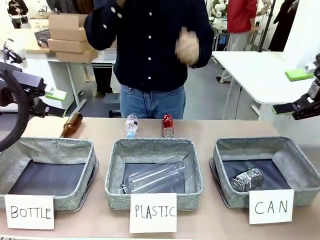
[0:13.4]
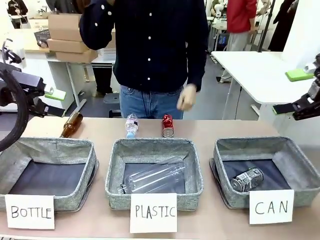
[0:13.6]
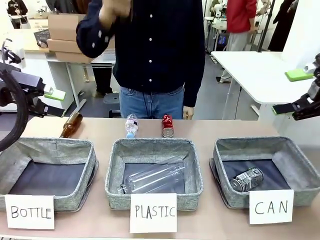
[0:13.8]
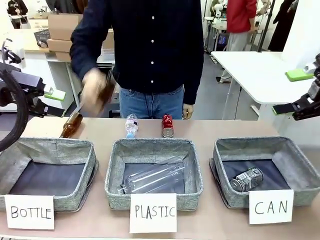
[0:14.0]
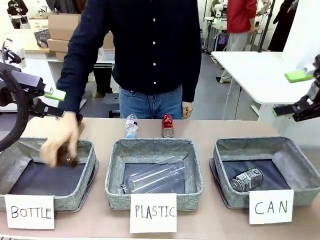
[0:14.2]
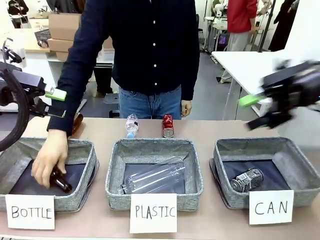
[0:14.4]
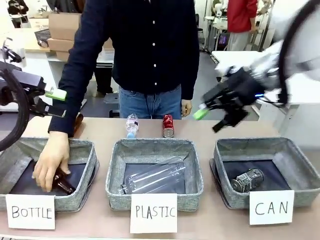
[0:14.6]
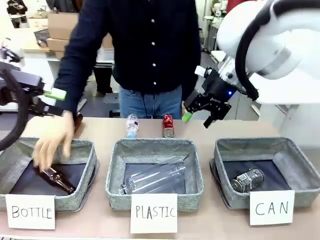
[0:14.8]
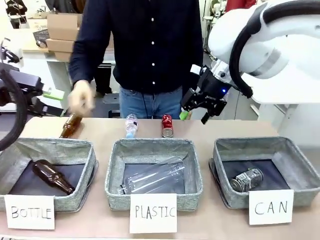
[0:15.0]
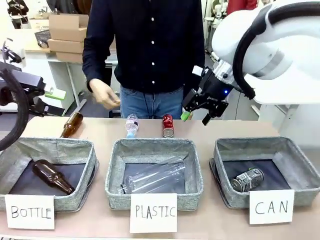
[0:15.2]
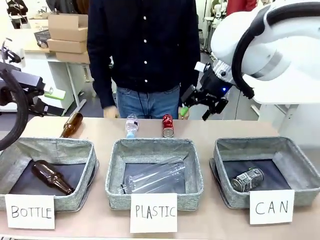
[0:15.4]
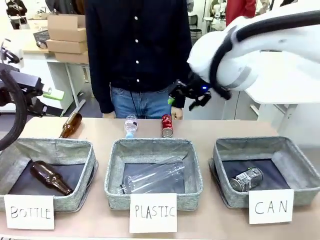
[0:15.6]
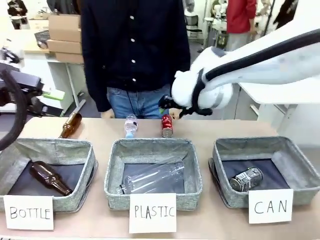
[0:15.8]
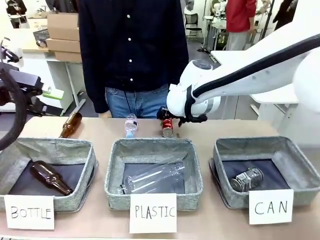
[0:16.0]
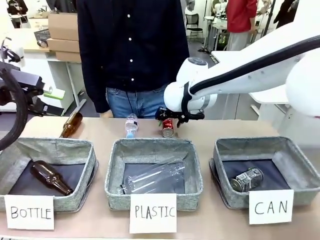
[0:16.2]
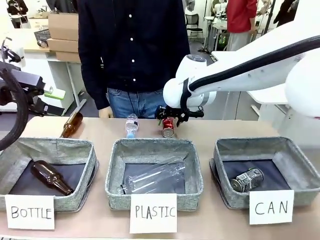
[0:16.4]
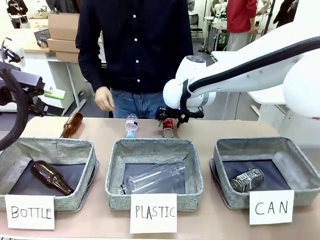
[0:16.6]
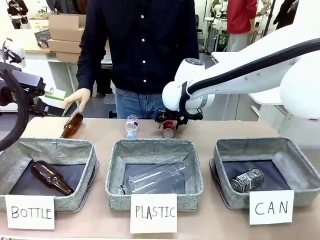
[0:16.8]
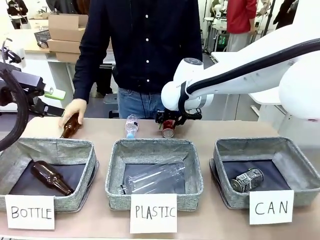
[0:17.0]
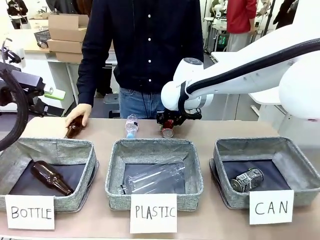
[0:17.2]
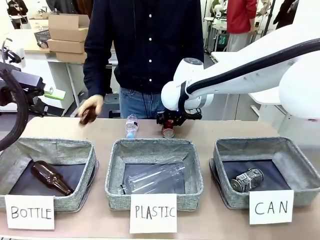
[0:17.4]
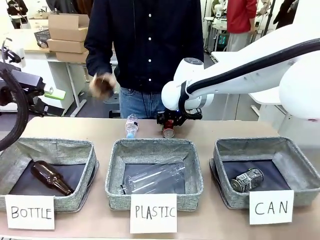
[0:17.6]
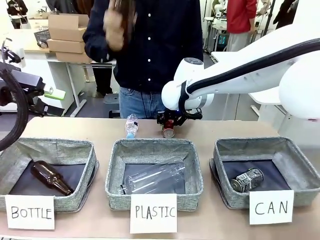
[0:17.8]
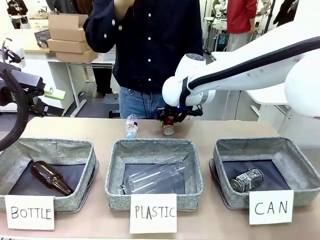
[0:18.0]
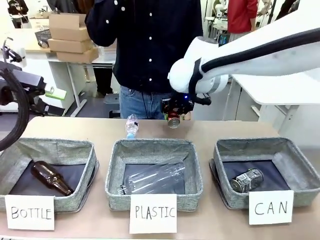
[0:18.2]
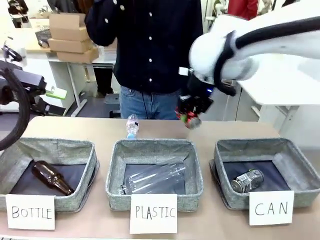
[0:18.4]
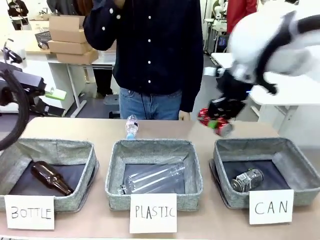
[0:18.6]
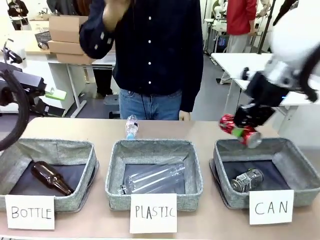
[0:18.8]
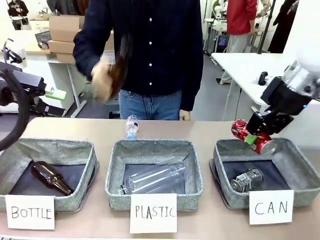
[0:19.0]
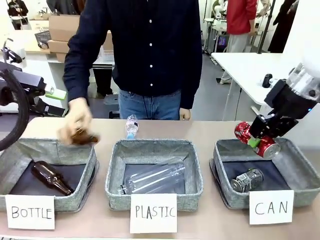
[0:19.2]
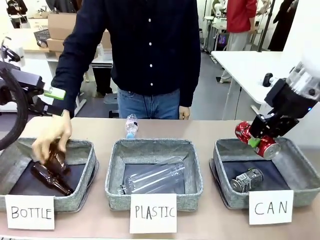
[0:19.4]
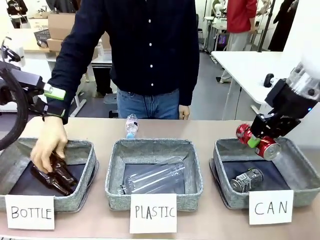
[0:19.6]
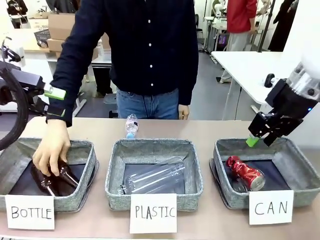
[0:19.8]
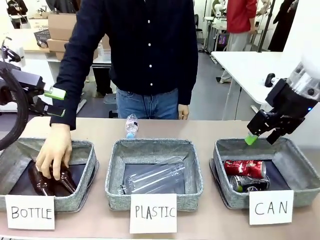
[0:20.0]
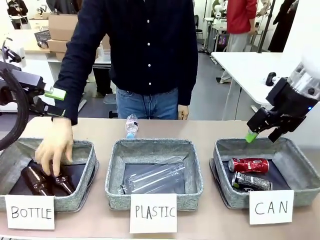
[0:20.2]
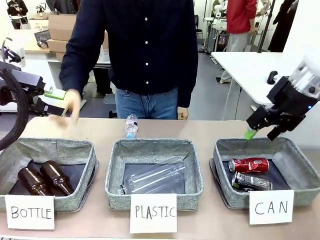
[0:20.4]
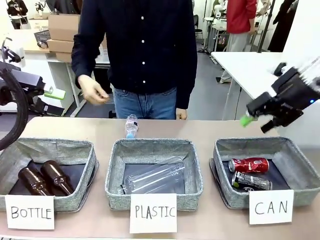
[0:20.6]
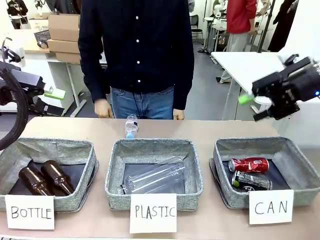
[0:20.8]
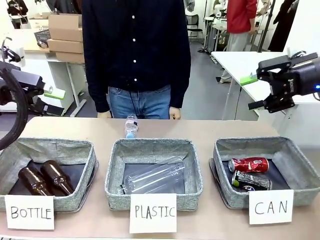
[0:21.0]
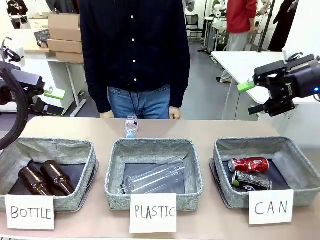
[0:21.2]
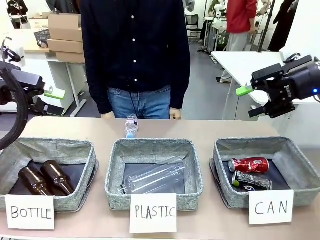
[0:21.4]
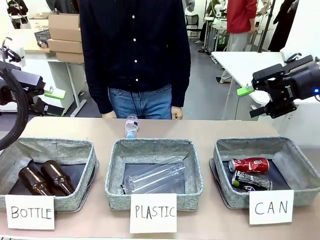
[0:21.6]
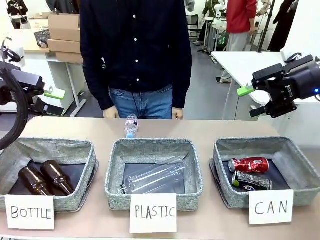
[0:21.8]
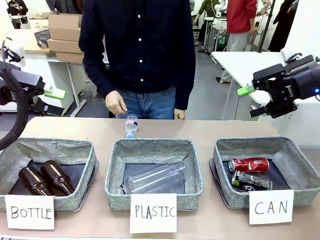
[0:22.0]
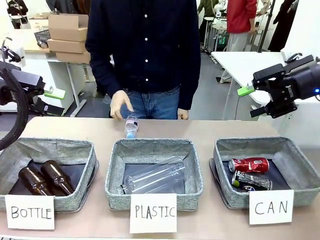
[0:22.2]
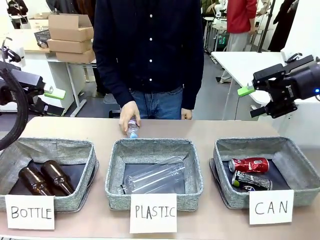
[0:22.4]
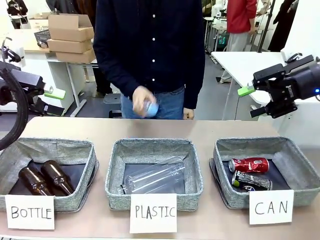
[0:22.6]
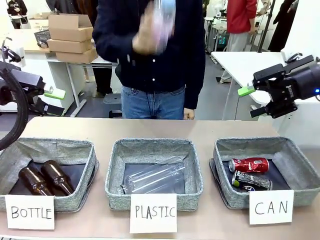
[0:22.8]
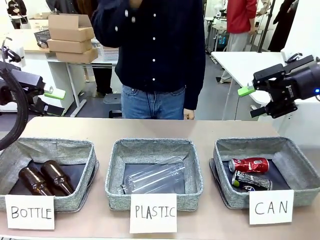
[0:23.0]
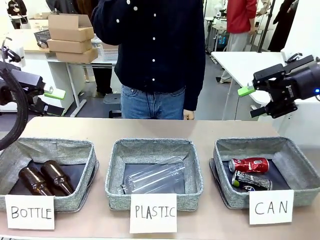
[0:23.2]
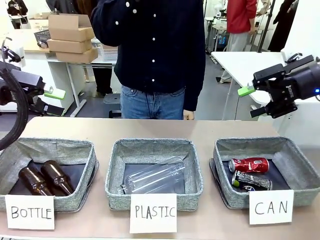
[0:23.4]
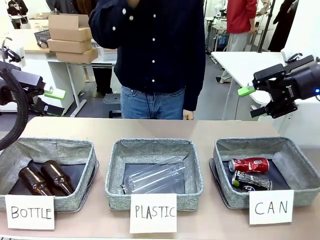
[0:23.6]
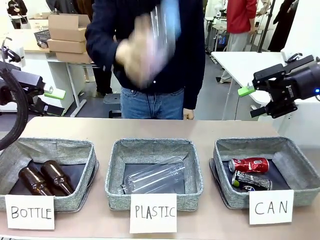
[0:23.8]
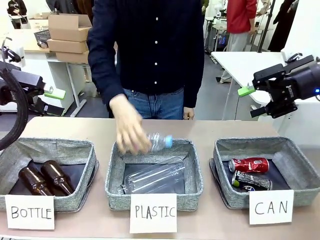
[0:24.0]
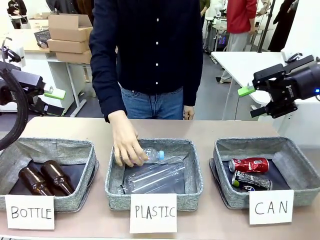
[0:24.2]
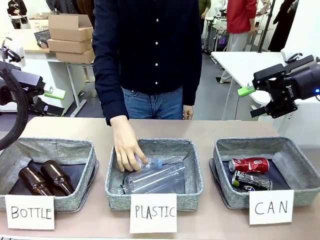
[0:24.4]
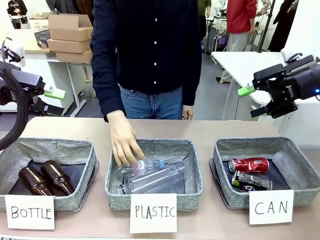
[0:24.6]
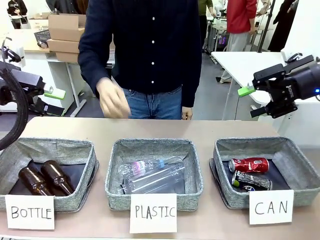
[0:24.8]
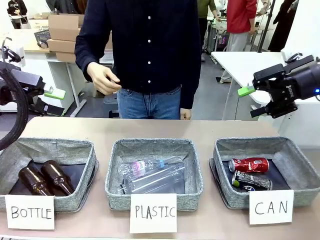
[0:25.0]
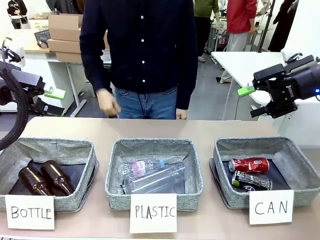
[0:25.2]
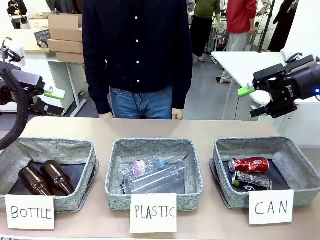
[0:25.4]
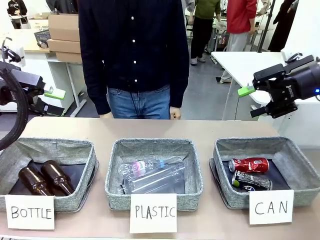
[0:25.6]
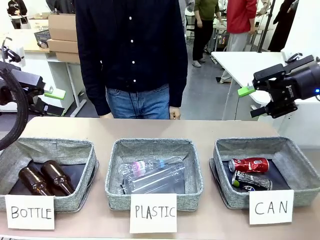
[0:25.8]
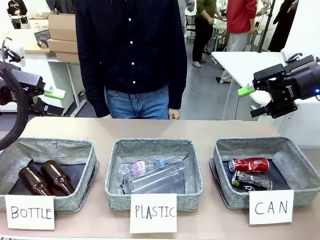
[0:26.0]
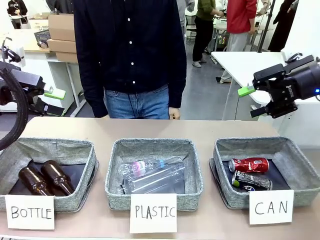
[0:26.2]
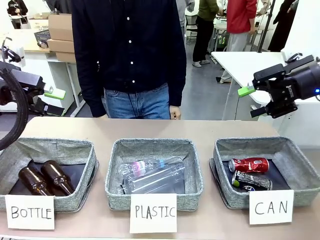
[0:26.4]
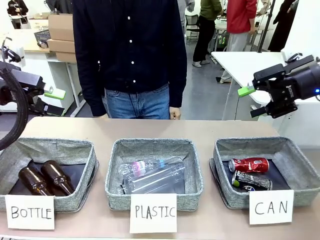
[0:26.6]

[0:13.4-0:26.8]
Task: Sort the can waste into the basket.
Robot: Pick up the can waste from the table and place it in the right Fabric basket.
